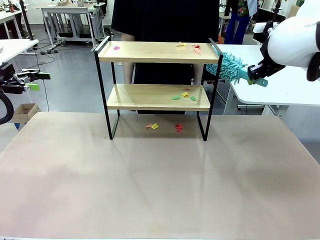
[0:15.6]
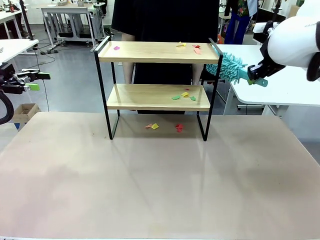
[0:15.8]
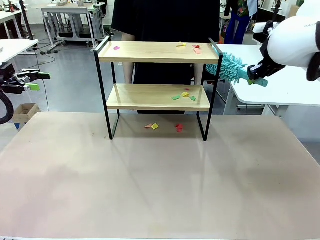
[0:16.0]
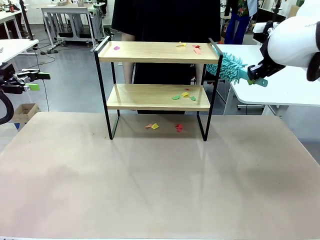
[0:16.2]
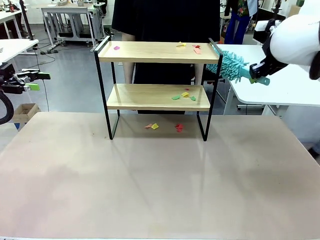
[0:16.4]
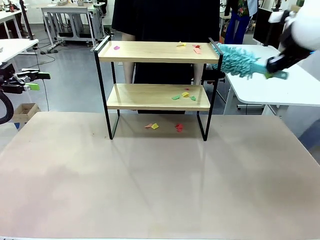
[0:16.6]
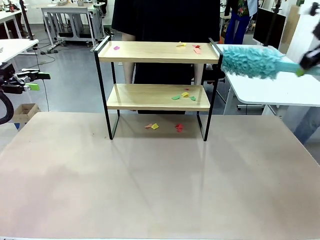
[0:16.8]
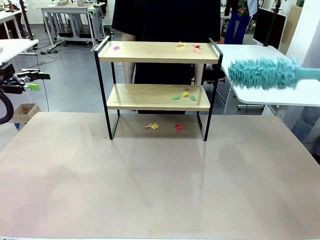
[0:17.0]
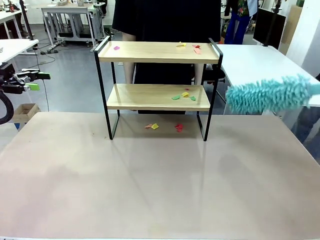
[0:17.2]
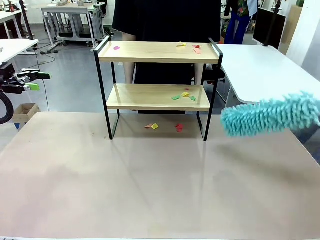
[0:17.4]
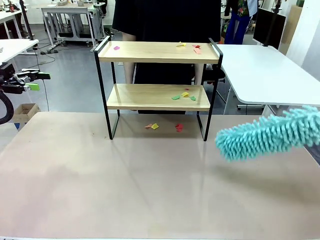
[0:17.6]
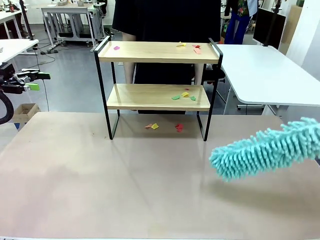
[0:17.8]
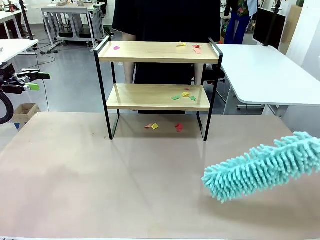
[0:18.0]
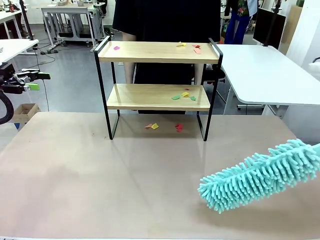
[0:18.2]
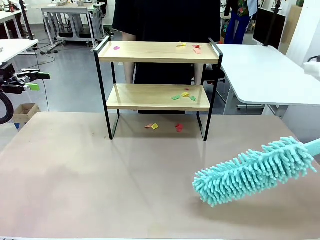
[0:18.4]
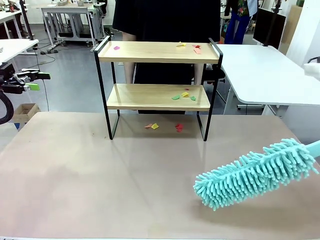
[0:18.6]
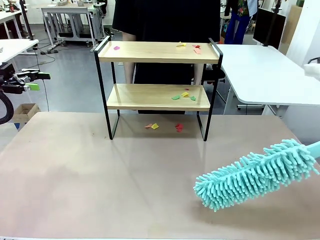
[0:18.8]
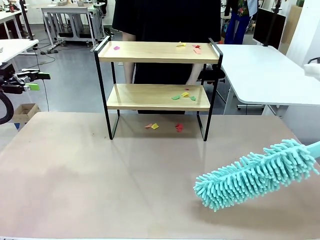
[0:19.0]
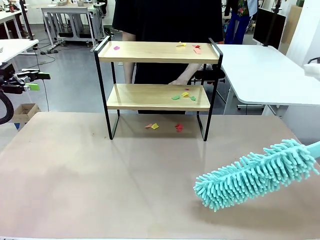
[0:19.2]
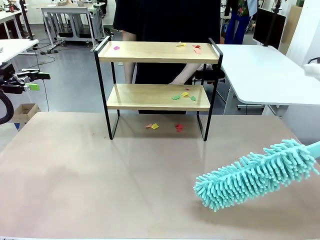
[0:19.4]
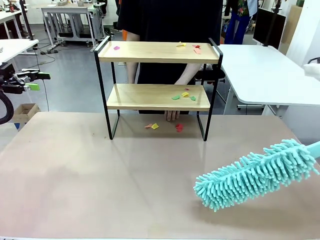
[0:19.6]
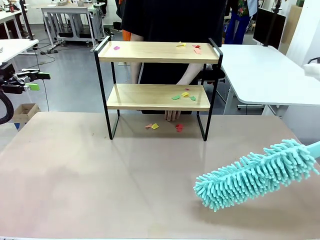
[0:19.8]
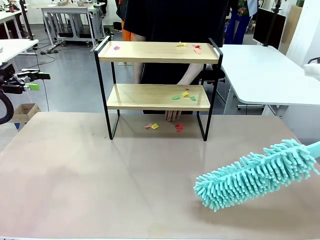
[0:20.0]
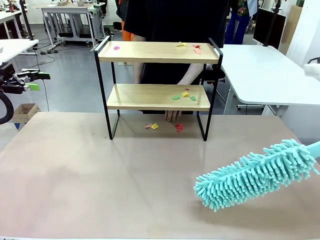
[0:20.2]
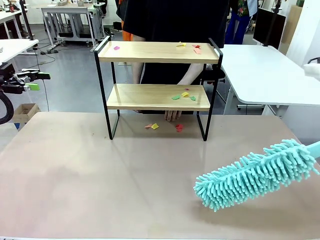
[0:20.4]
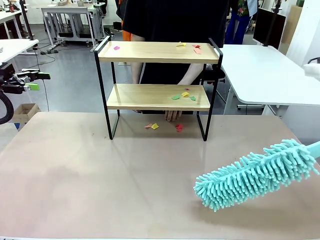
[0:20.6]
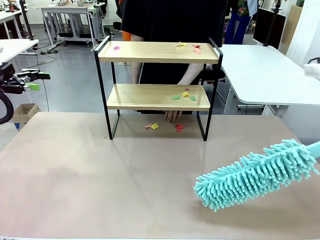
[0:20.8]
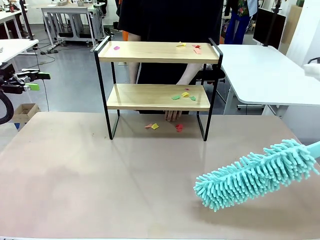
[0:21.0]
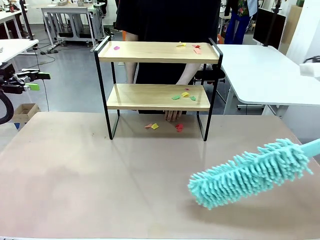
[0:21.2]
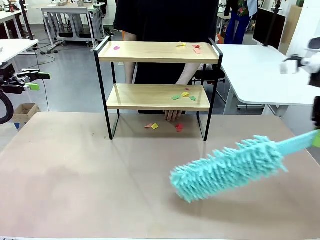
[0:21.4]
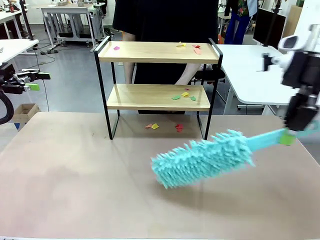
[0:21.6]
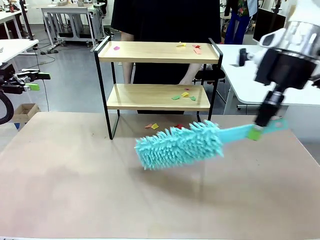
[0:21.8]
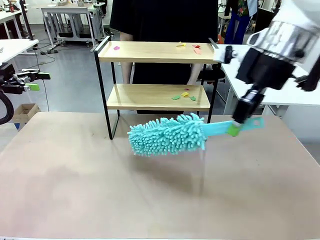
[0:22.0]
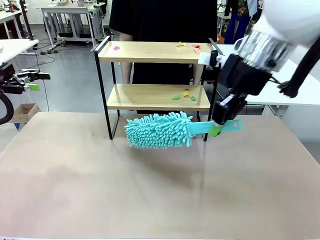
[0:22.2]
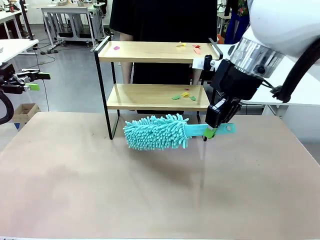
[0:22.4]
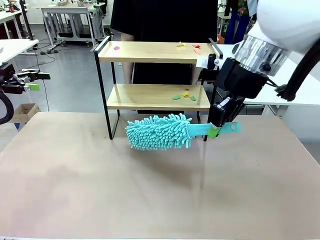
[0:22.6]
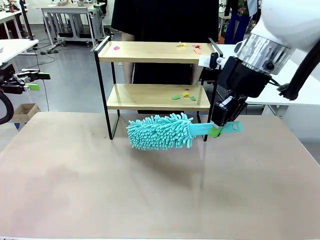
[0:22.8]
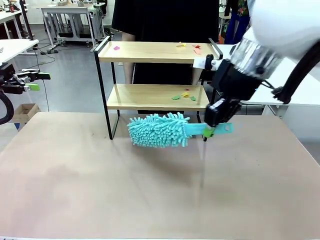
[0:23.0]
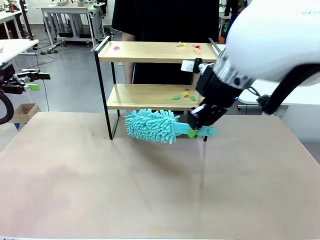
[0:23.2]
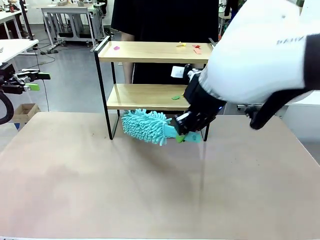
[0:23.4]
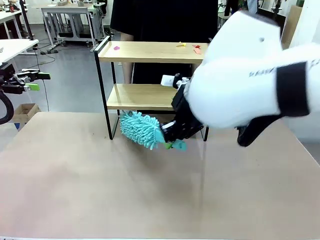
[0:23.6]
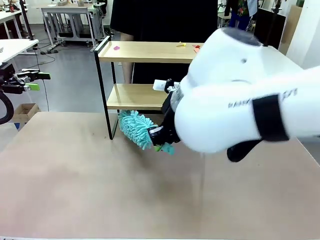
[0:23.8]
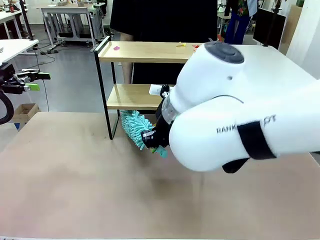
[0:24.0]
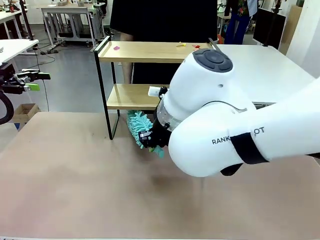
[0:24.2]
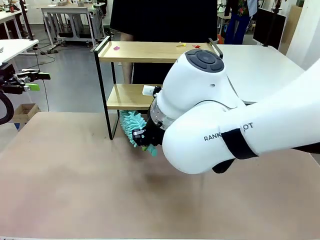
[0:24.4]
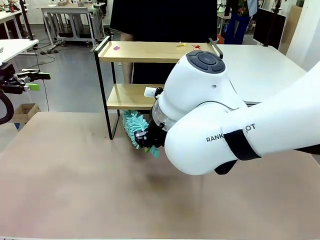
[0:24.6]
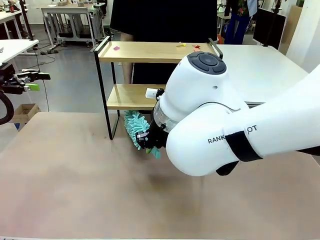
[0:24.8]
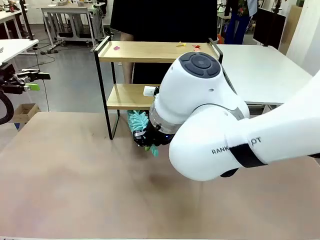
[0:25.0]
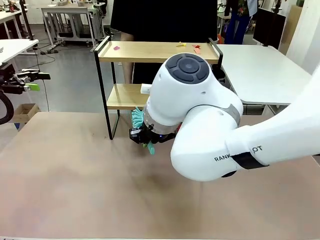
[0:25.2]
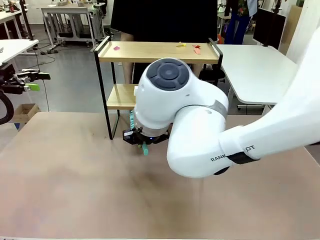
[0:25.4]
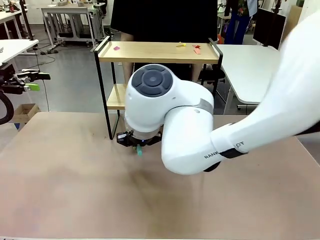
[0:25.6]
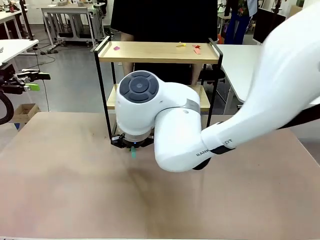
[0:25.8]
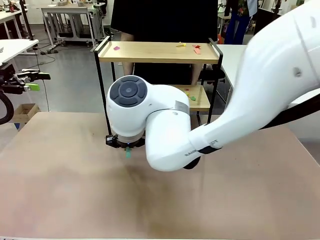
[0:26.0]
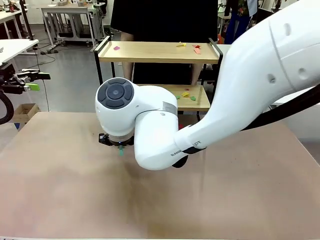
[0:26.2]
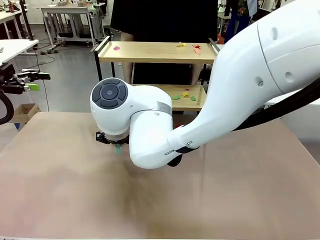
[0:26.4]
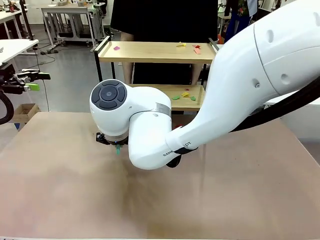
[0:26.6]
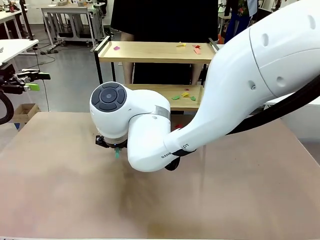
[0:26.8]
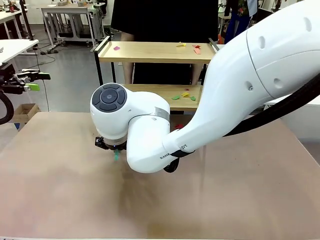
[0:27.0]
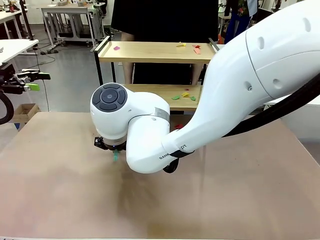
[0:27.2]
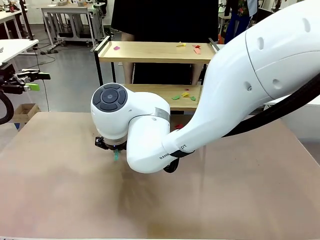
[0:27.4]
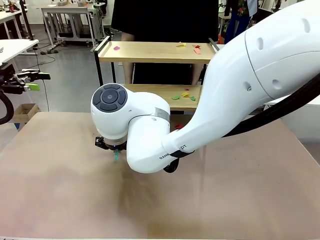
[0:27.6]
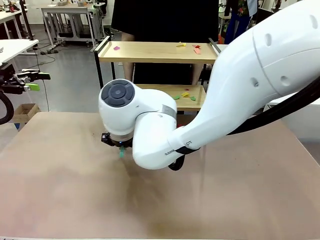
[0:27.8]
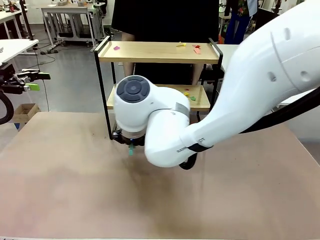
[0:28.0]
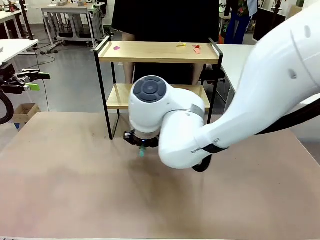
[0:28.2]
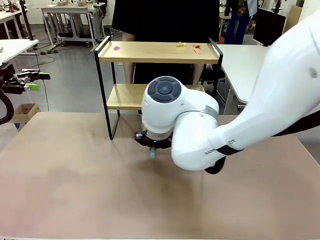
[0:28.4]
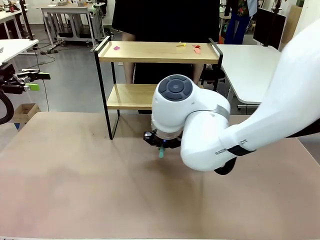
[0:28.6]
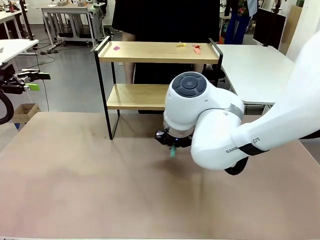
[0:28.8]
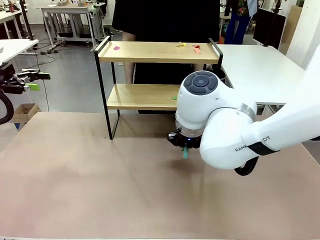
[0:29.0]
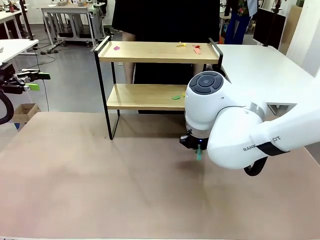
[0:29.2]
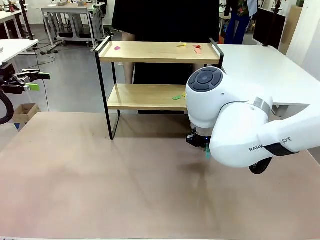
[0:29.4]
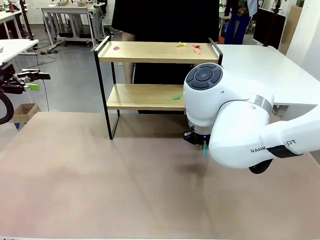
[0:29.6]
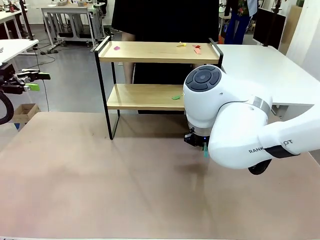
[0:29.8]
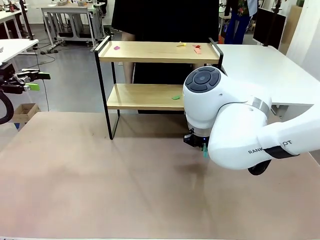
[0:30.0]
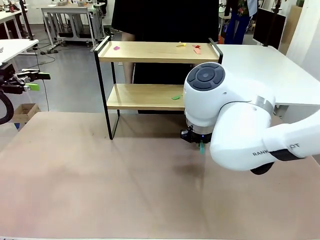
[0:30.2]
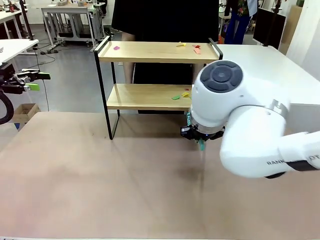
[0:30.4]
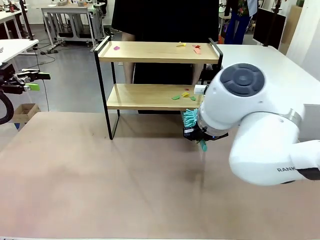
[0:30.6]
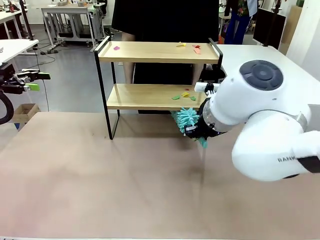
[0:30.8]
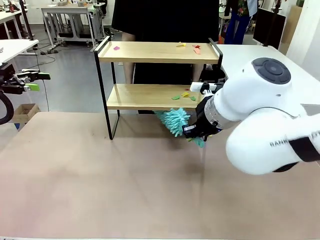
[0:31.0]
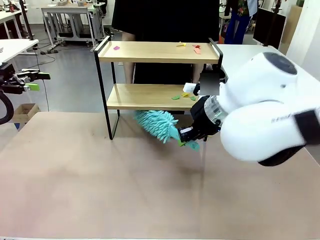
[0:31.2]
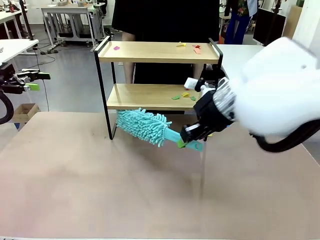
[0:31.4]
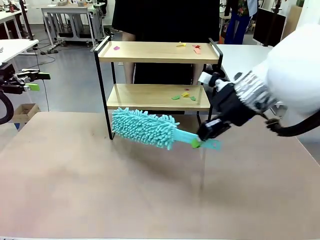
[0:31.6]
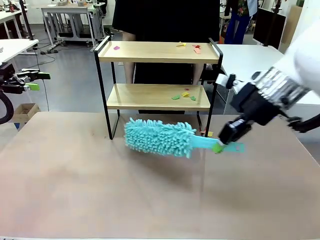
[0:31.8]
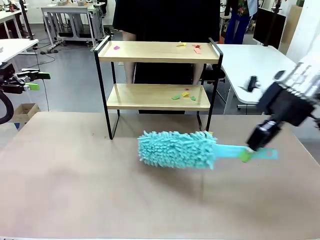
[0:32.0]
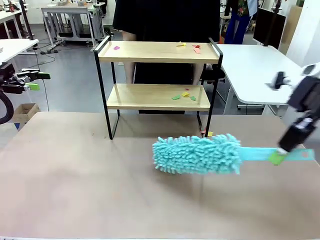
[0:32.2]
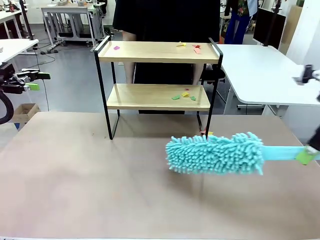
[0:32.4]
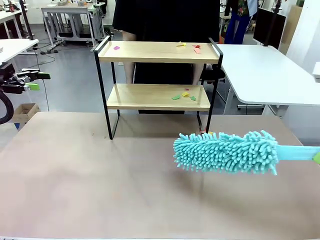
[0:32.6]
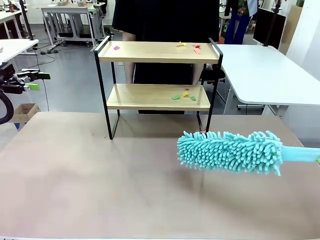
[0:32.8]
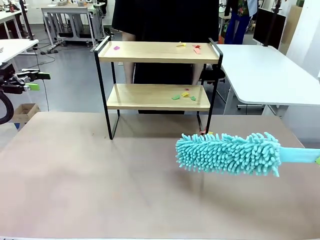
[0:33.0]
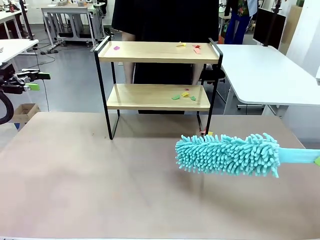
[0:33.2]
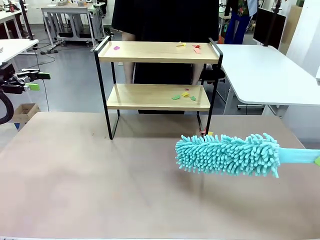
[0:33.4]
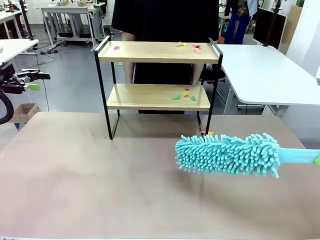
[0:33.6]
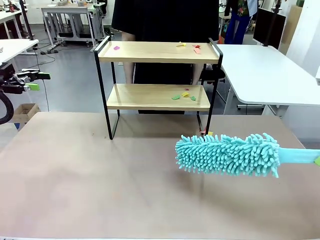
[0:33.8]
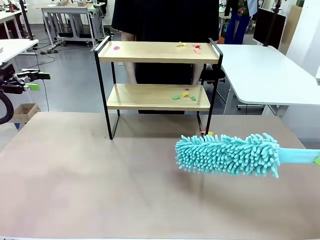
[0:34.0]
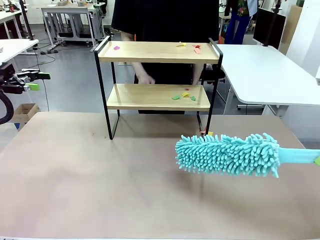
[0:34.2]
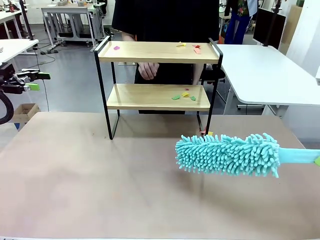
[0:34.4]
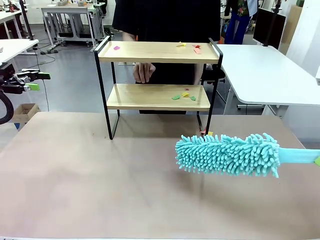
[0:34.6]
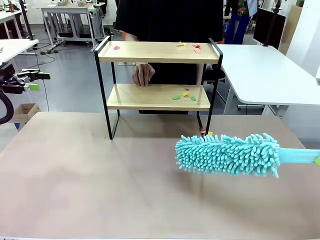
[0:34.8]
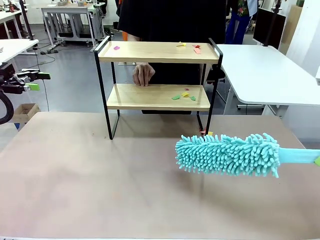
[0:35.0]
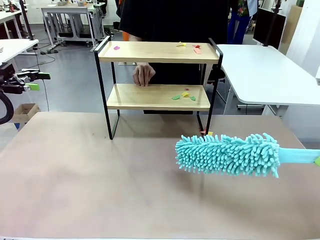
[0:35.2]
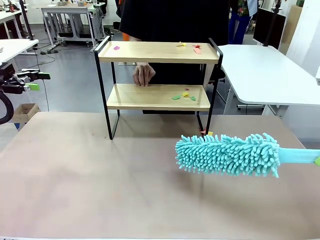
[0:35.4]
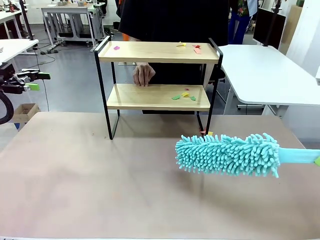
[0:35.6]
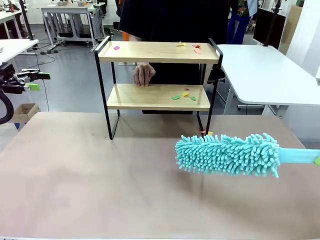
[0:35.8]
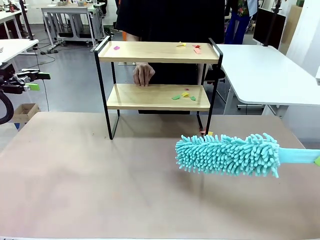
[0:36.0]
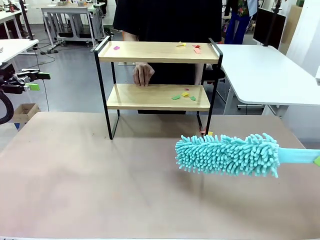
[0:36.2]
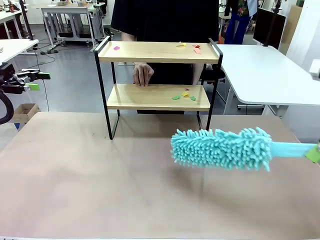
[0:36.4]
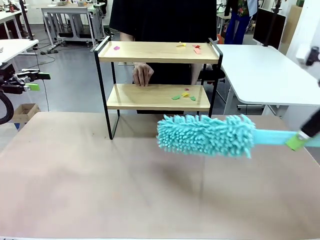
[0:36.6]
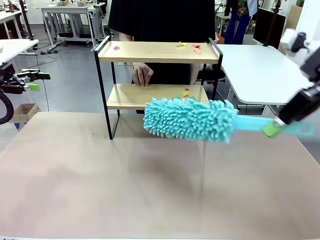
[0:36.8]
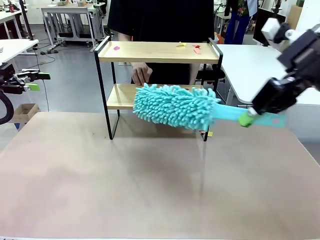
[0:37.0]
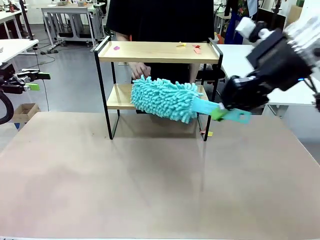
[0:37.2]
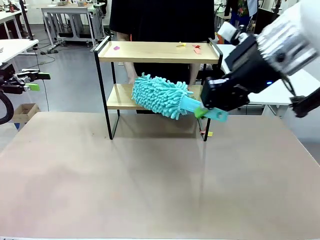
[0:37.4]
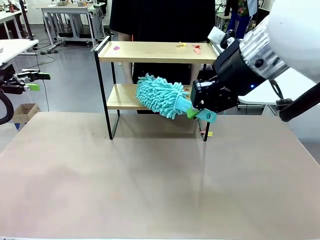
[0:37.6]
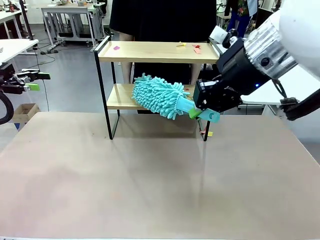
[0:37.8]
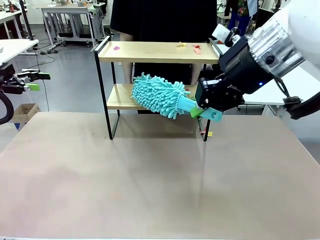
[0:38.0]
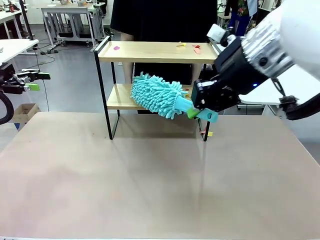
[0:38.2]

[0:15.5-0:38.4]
Task: Clean the shelf.
Robot: Clean the specific section of the Shelf indicated by the human with the Duster.
Person: Point a random section of the Shelf.
